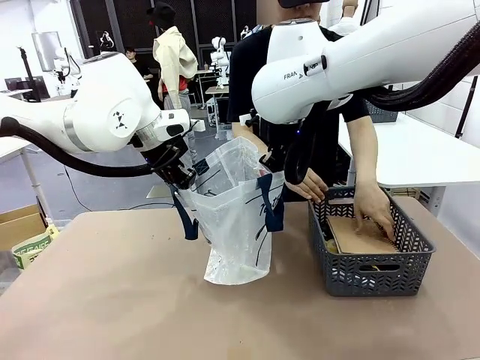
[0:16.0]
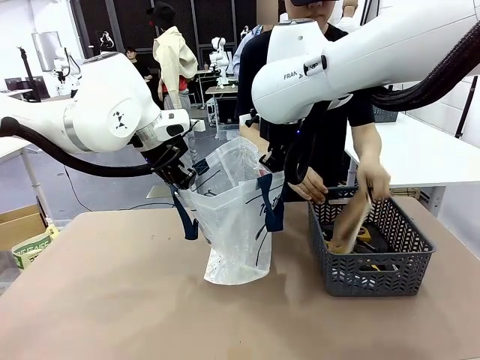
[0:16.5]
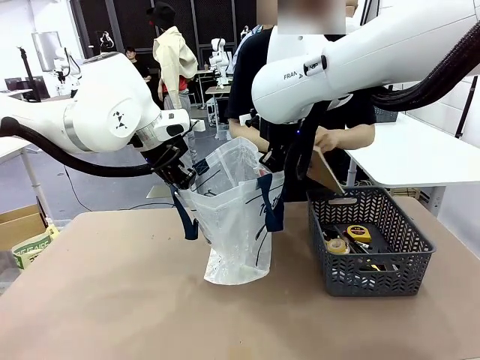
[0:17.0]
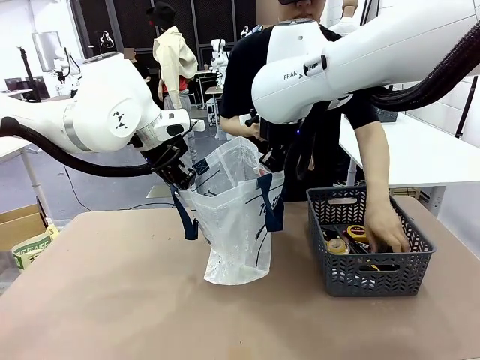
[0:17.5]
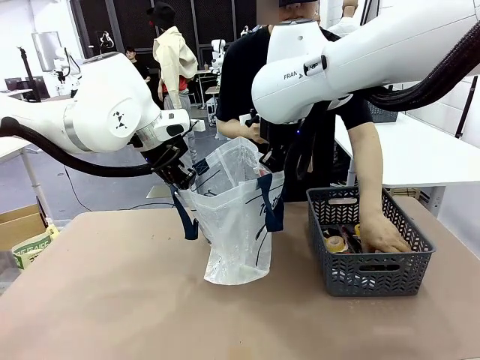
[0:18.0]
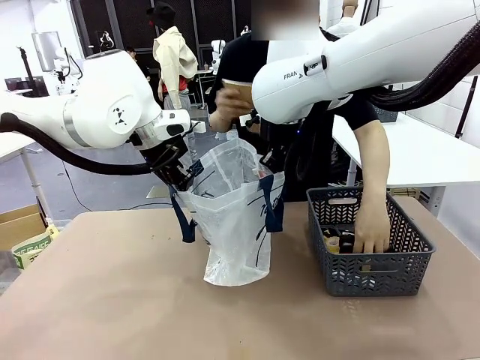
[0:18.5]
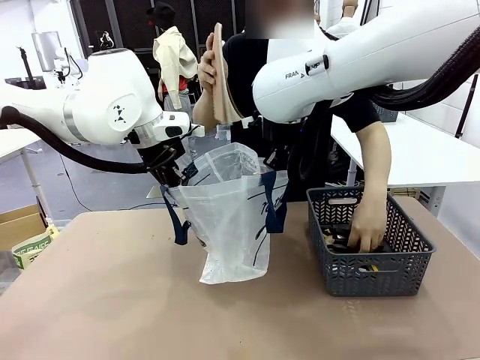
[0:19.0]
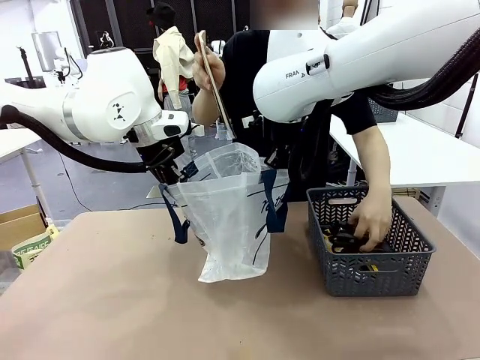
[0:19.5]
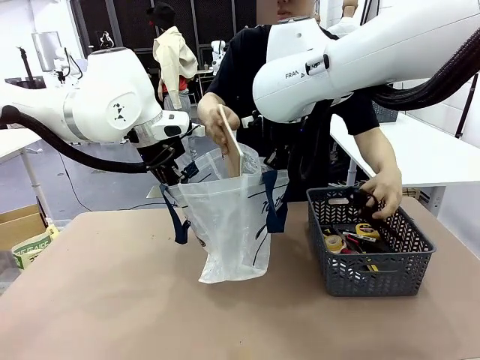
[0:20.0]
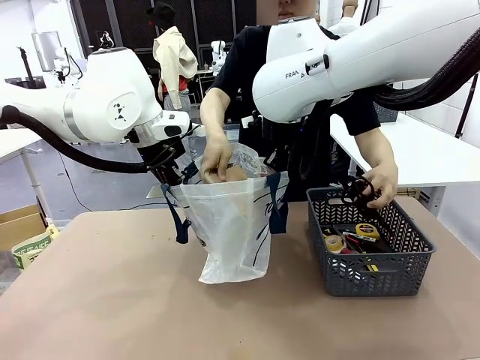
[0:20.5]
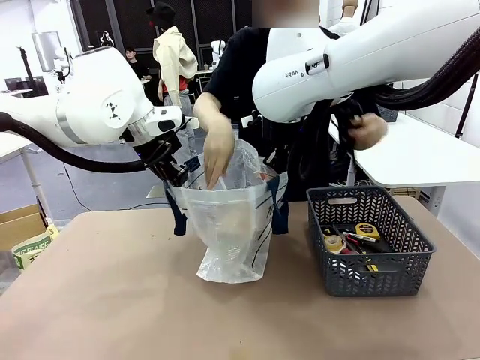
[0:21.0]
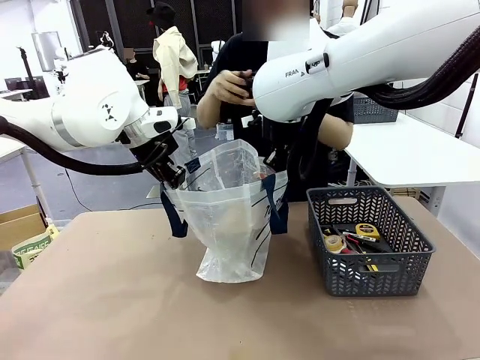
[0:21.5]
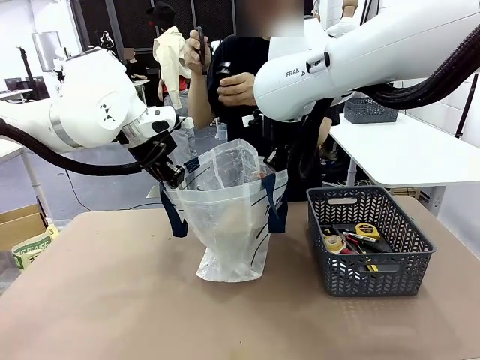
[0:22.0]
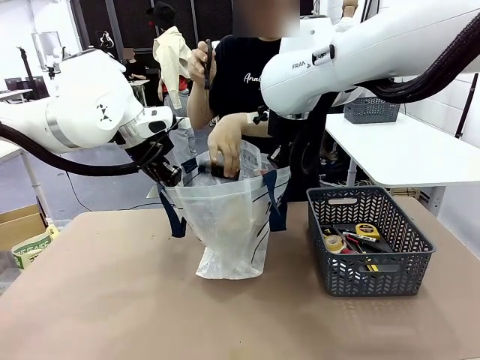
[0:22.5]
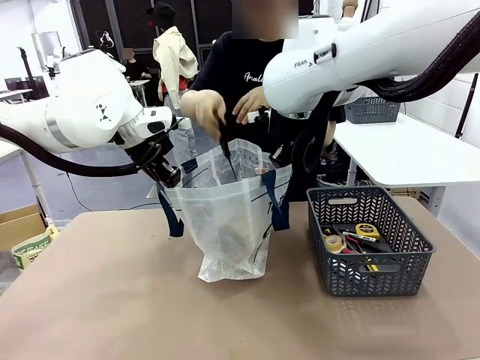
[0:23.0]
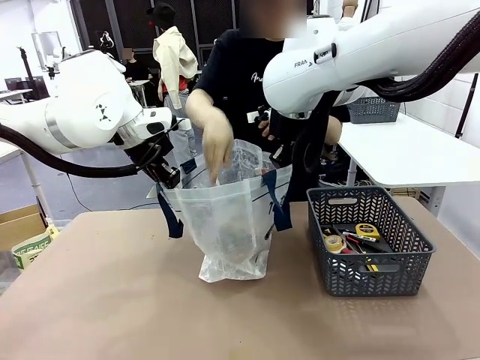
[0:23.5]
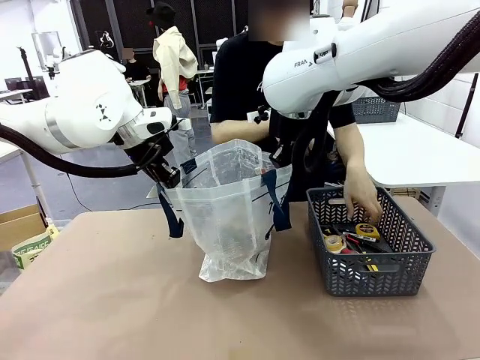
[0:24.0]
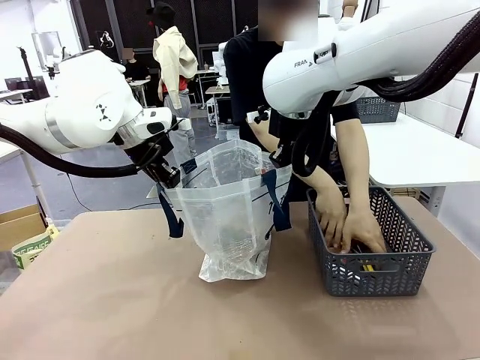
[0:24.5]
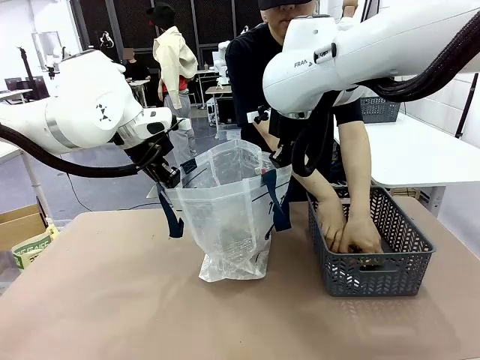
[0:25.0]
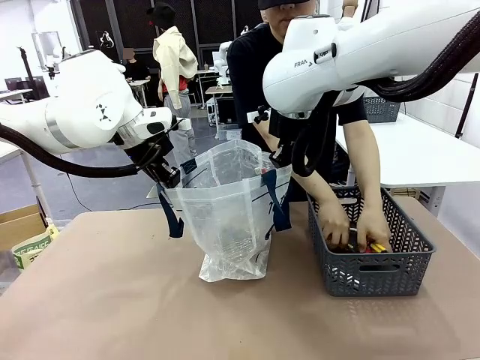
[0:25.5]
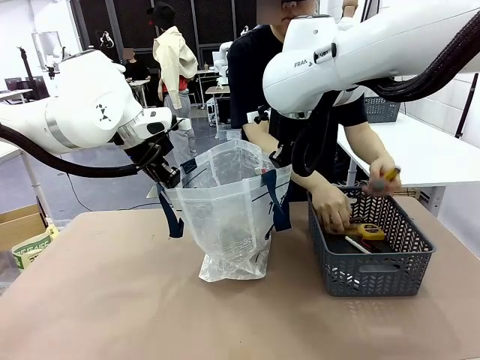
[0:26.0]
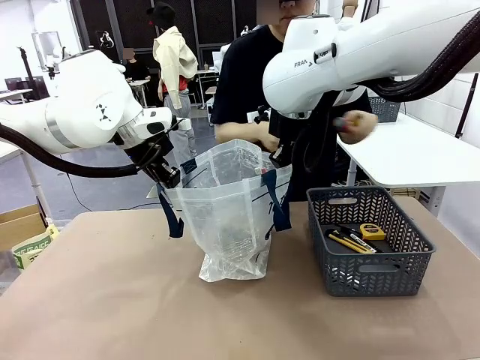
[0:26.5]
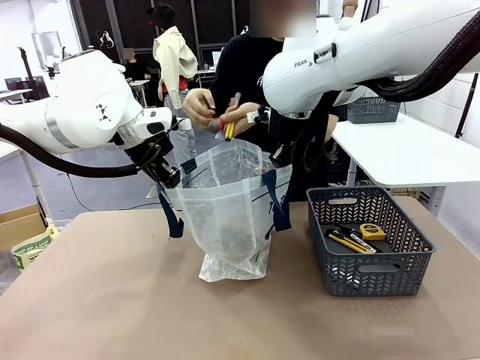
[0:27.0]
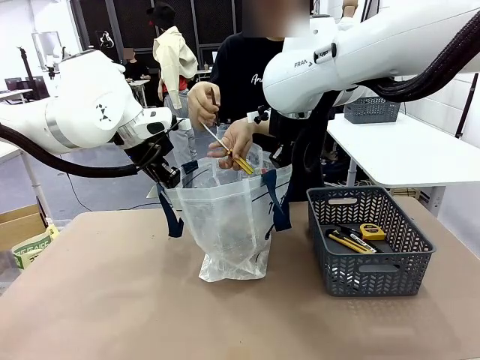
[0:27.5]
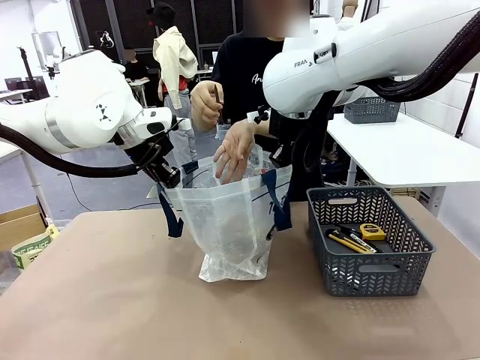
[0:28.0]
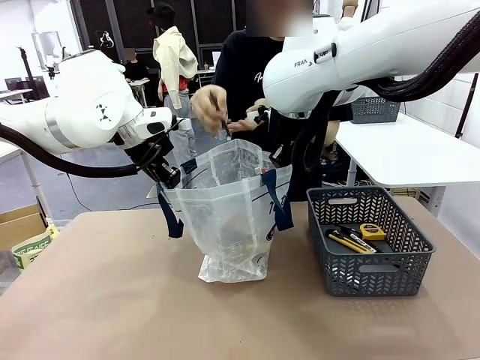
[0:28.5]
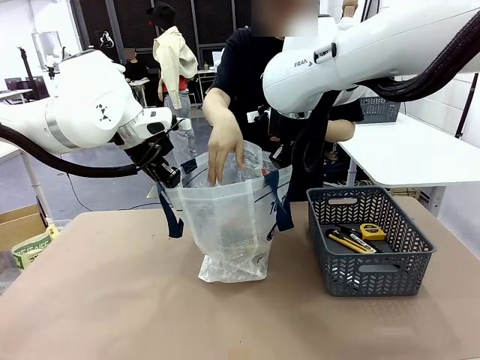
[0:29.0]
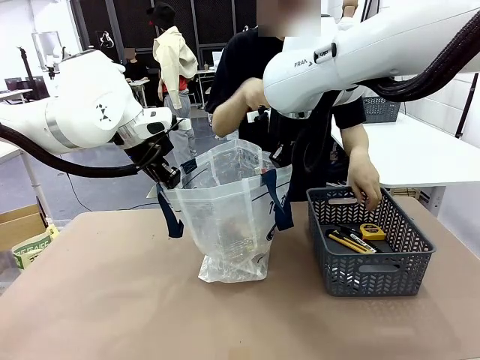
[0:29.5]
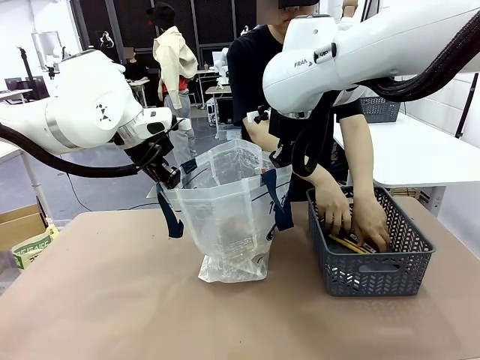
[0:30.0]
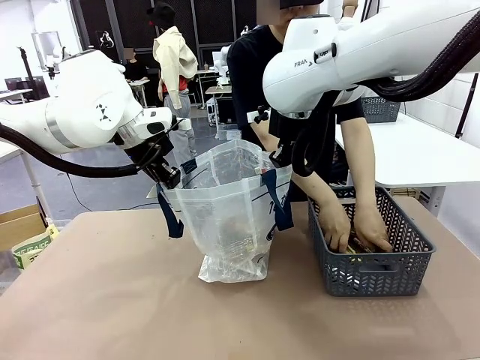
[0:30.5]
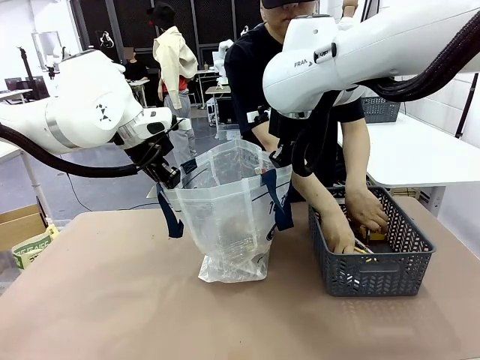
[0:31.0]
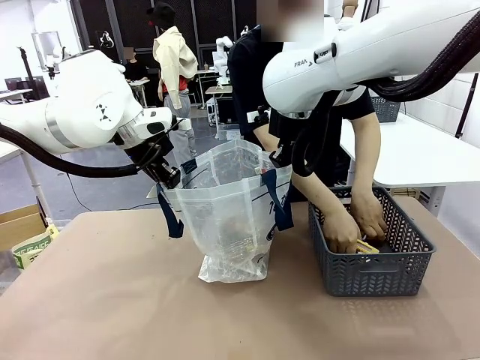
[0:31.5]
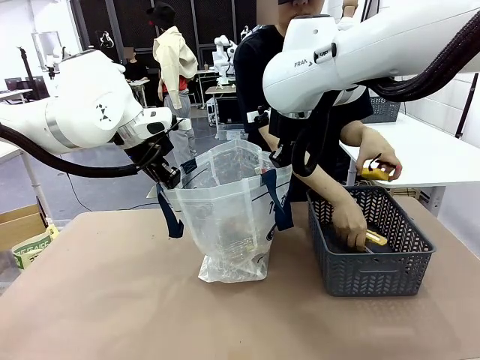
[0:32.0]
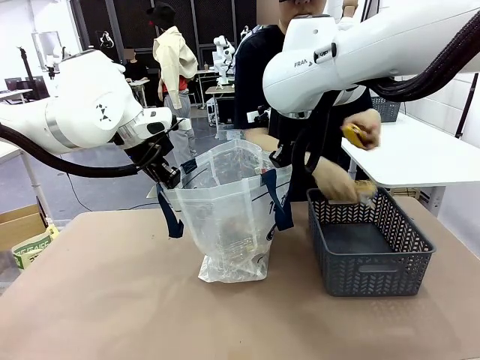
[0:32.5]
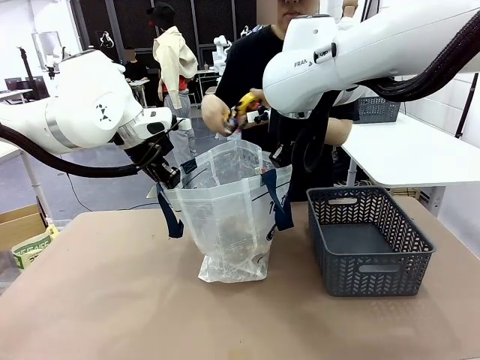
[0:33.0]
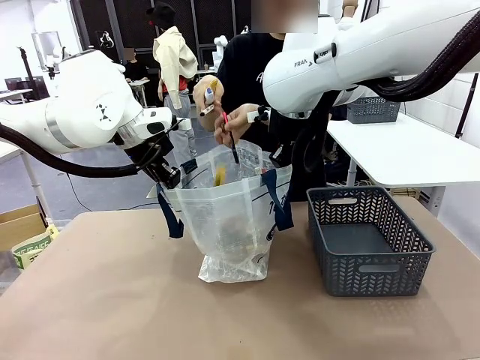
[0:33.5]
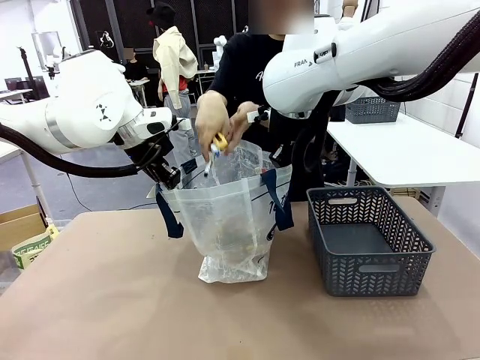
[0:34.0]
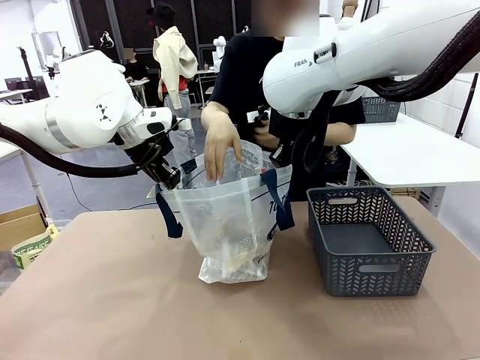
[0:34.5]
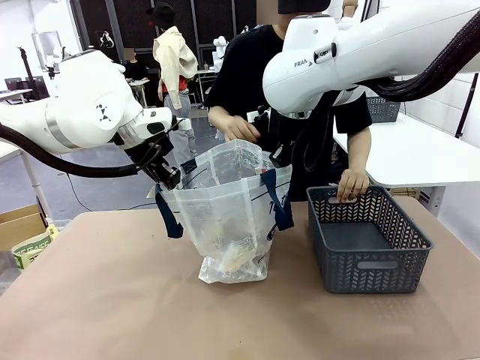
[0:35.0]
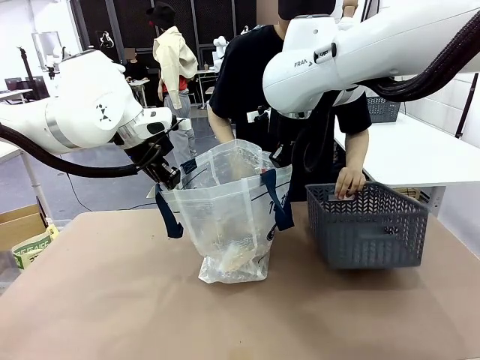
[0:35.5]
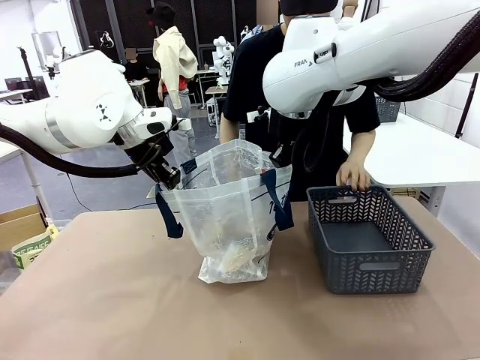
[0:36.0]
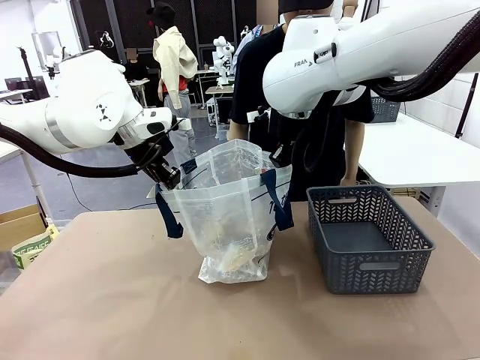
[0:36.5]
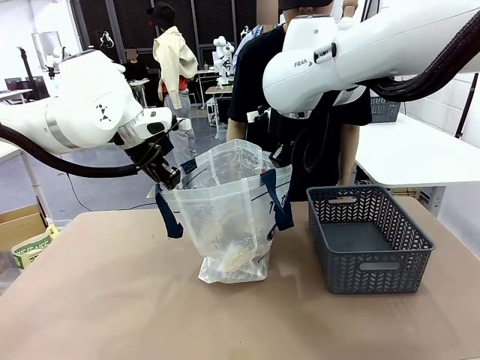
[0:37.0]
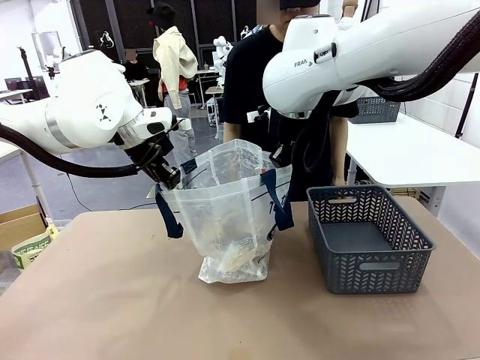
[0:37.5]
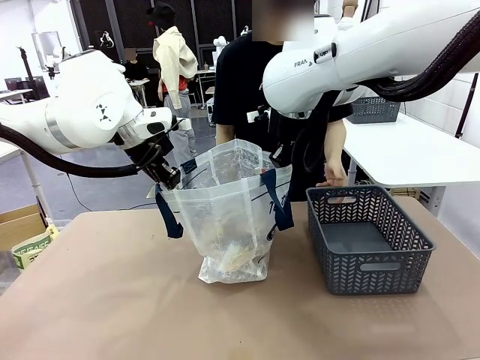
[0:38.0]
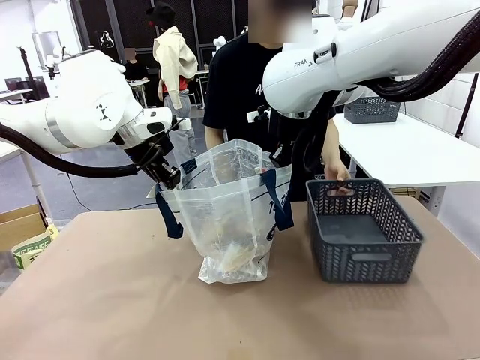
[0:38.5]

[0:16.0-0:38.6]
Task: Transfer purchased items from the store into the shopping bag.
Robot: Move the Reusable shopping bag to the right side of the table.
Person: Pick up the basket on the right, place it on the left side of the robot table, and move the items in the basket to the shopping bag.

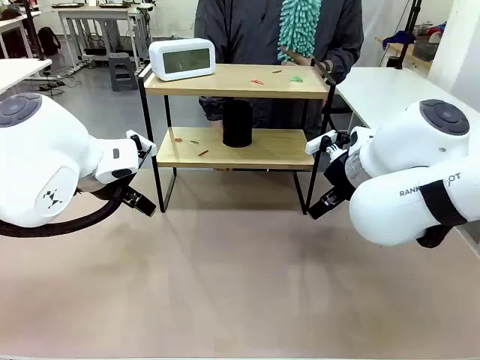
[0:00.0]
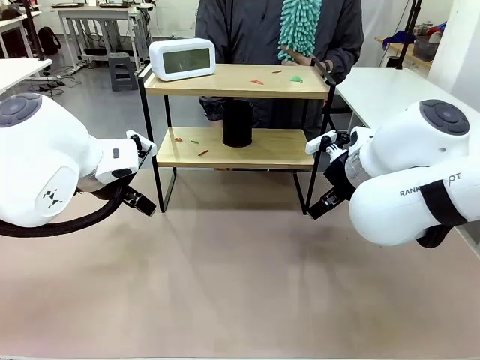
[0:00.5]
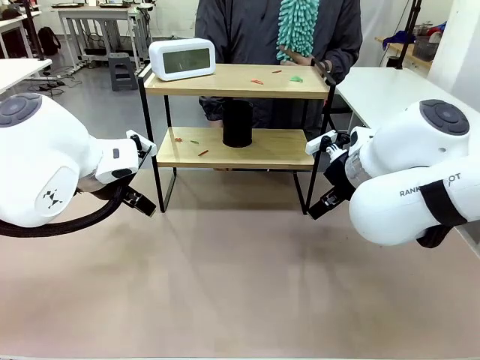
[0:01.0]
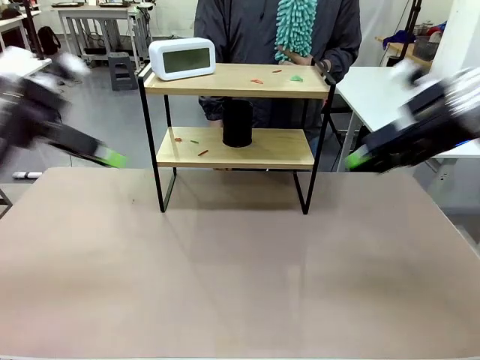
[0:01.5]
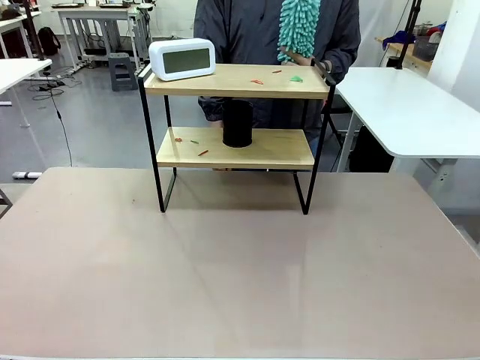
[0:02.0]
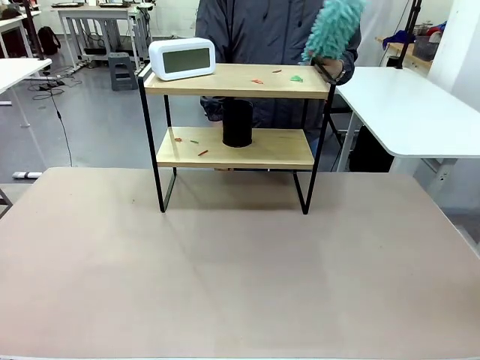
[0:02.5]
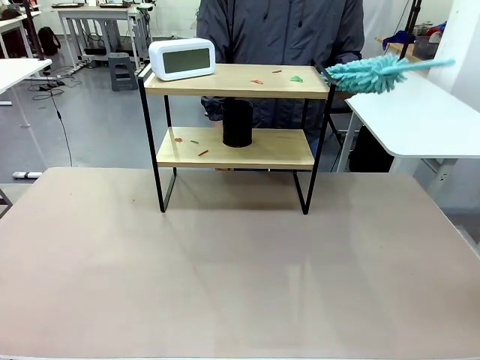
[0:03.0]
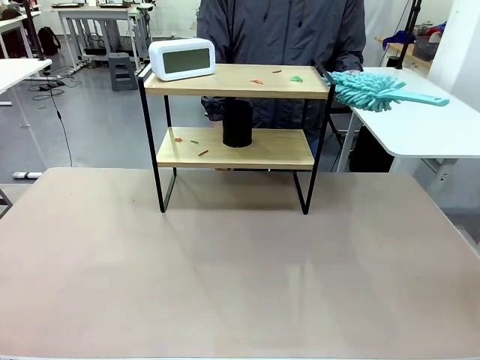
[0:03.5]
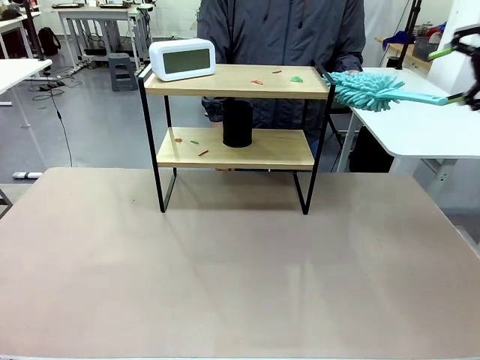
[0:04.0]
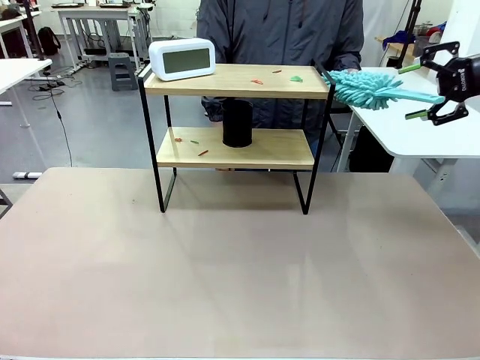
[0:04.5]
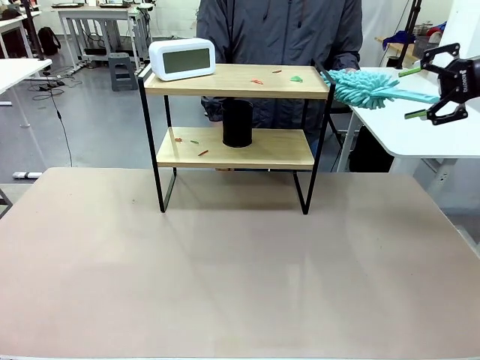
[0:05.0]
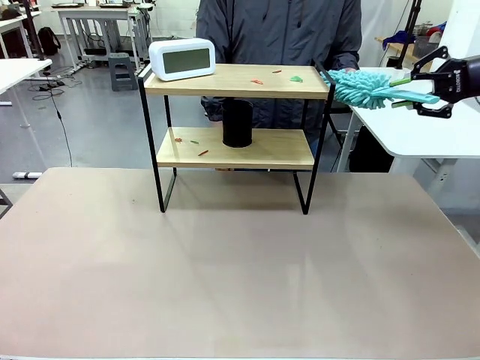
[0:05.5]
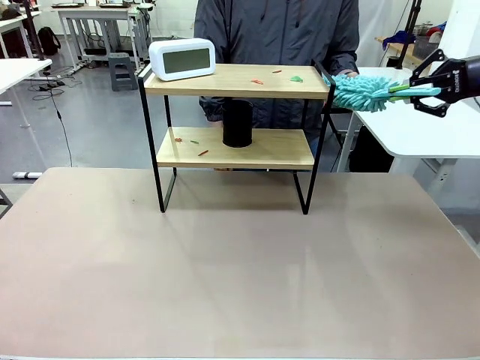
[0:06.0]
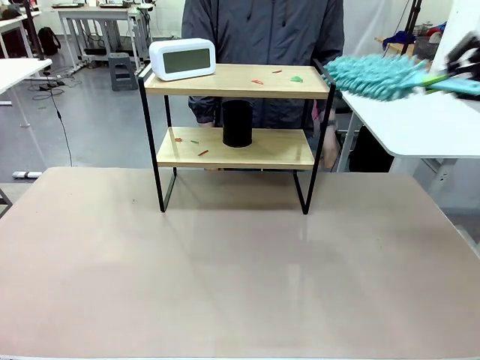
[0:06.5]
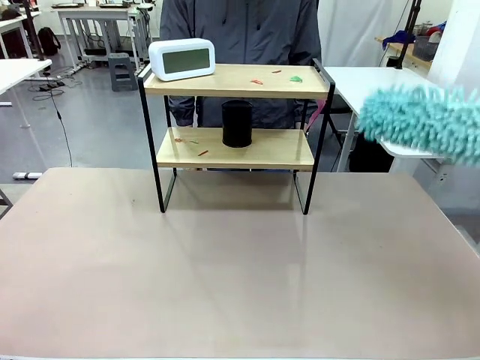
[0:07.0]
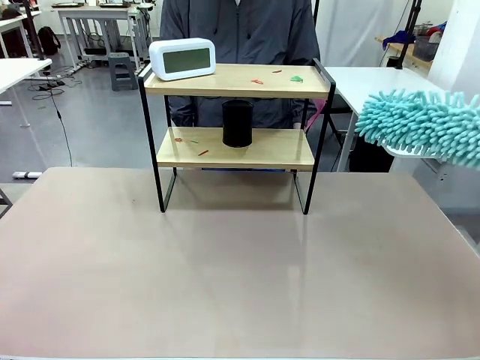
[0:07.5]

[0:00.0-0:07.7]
Task: Clean the shelf.
Robot: Pick up the Duster from the human.
Person: Hand the Duster to the robot.
